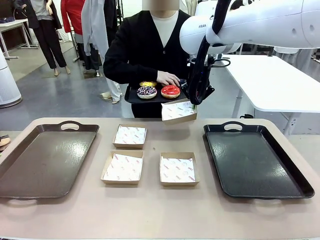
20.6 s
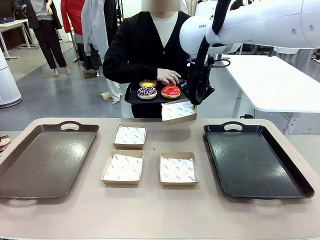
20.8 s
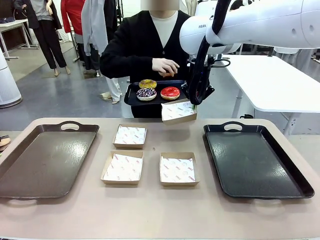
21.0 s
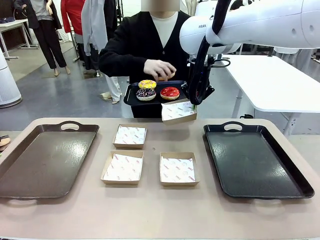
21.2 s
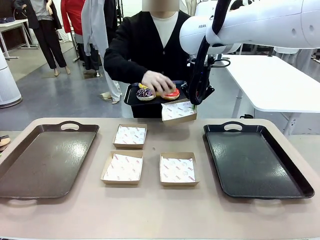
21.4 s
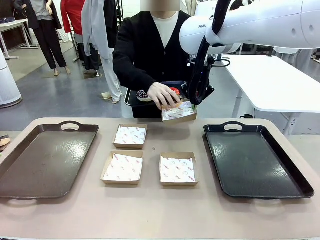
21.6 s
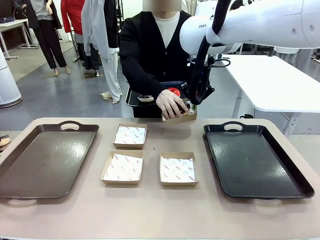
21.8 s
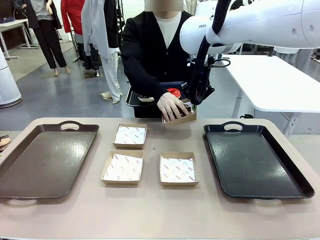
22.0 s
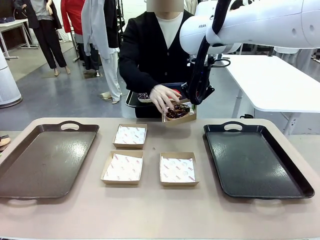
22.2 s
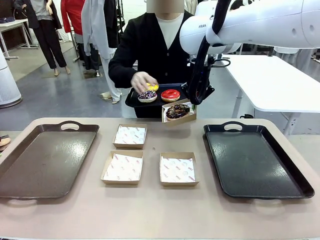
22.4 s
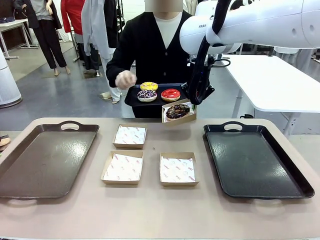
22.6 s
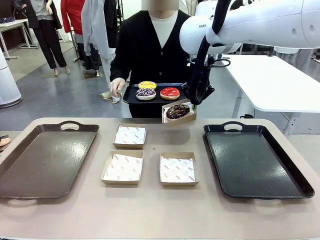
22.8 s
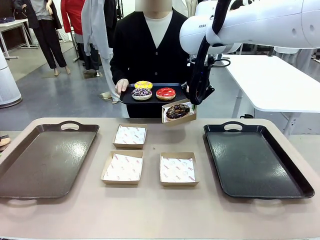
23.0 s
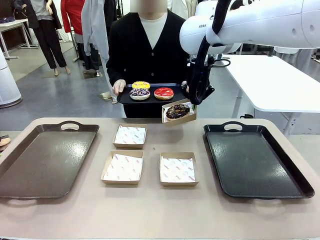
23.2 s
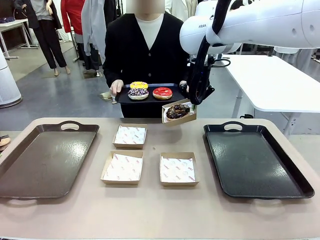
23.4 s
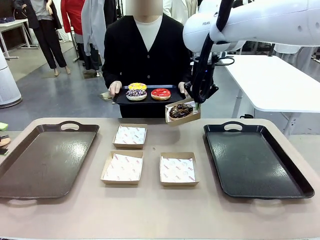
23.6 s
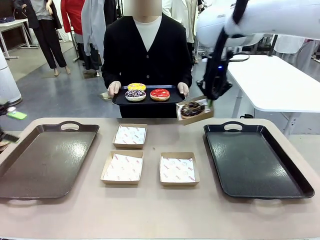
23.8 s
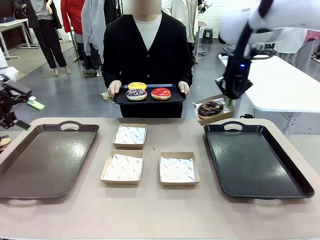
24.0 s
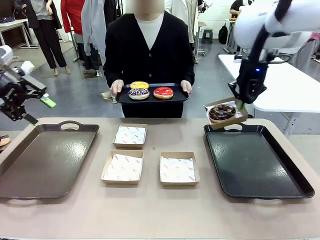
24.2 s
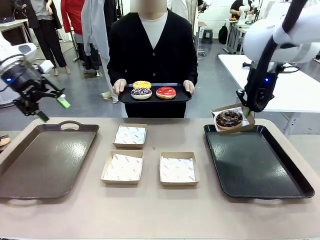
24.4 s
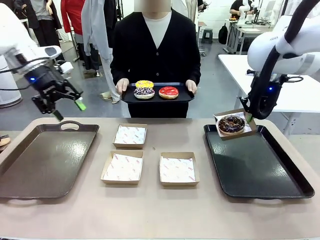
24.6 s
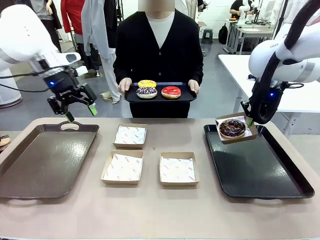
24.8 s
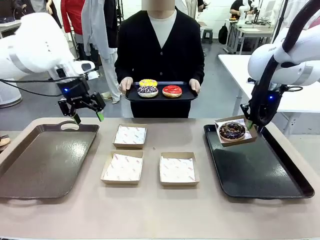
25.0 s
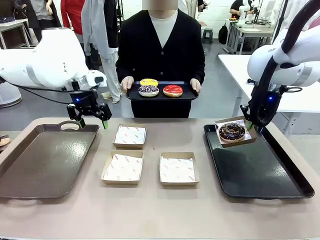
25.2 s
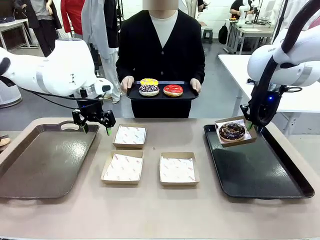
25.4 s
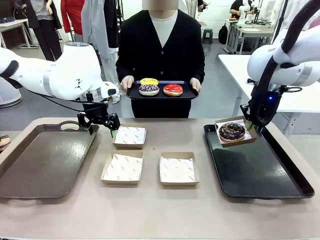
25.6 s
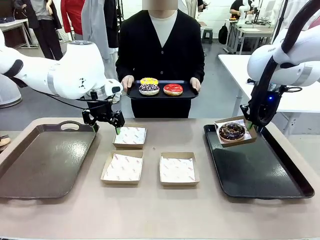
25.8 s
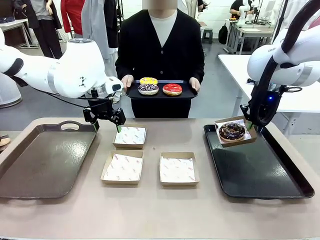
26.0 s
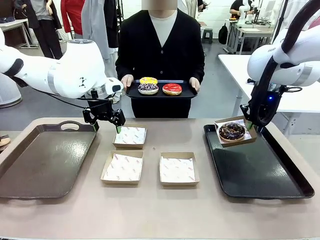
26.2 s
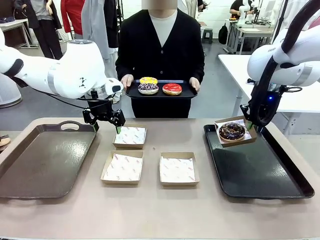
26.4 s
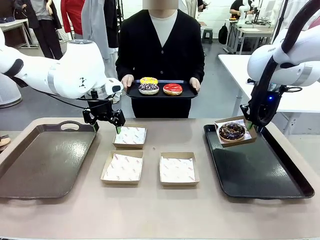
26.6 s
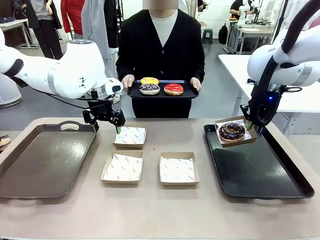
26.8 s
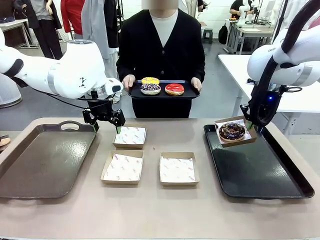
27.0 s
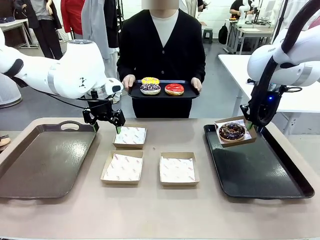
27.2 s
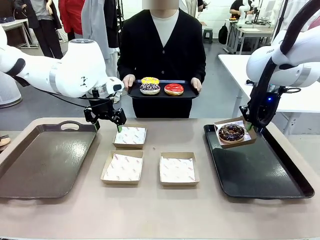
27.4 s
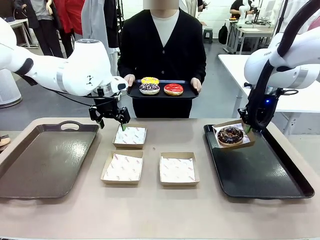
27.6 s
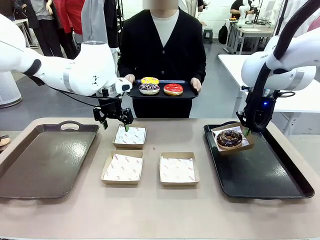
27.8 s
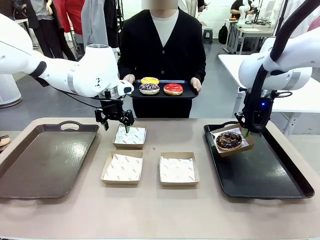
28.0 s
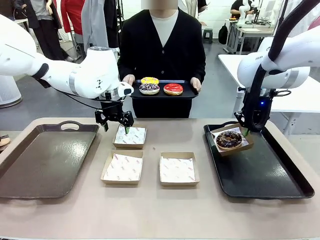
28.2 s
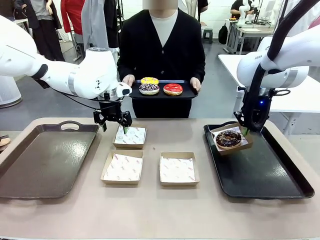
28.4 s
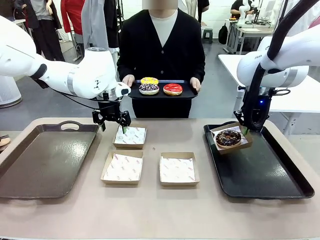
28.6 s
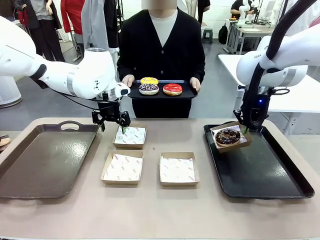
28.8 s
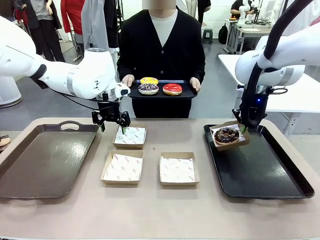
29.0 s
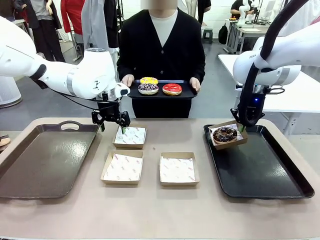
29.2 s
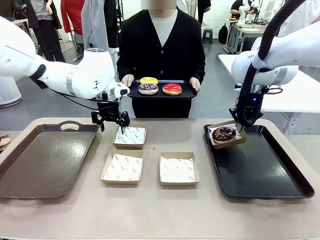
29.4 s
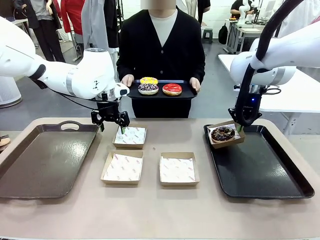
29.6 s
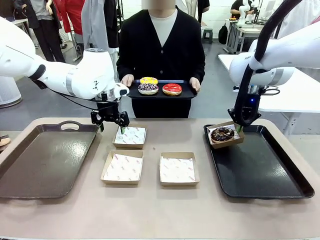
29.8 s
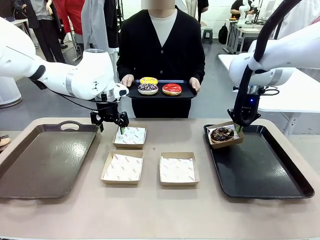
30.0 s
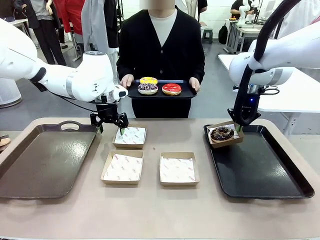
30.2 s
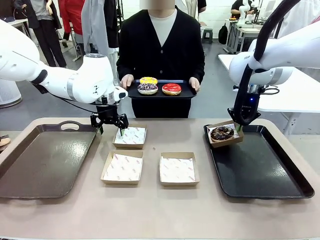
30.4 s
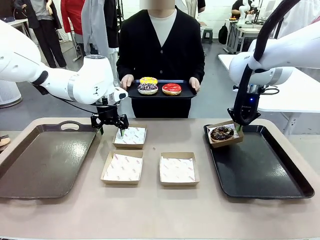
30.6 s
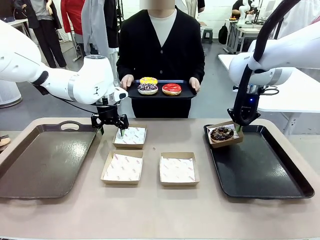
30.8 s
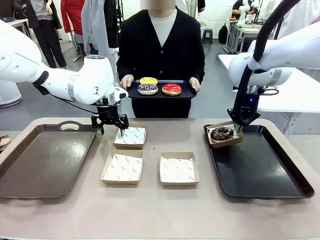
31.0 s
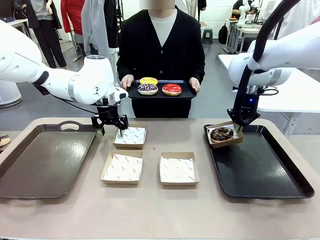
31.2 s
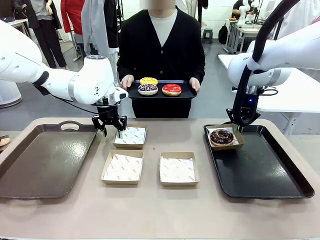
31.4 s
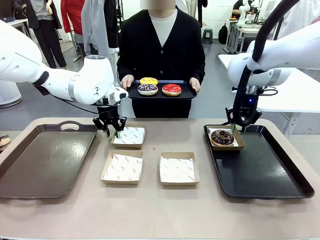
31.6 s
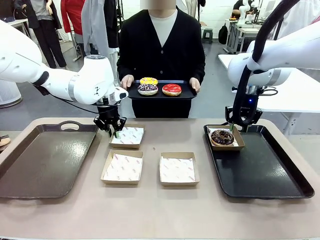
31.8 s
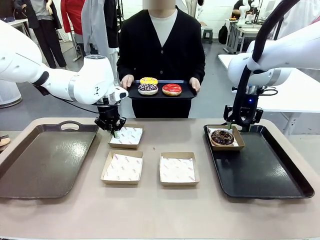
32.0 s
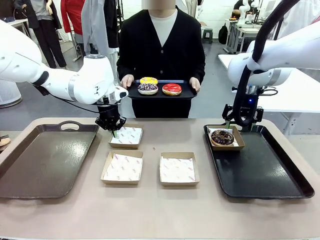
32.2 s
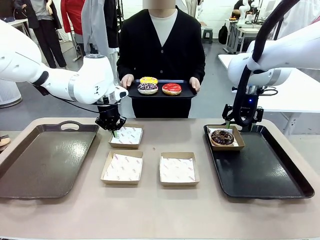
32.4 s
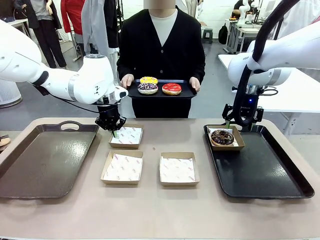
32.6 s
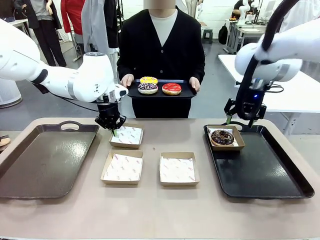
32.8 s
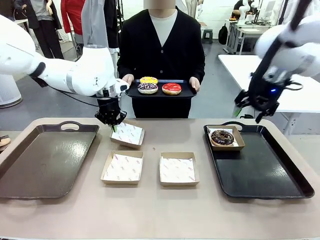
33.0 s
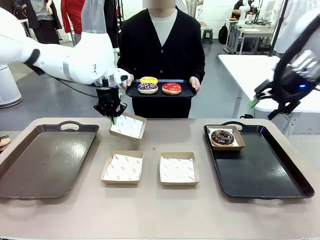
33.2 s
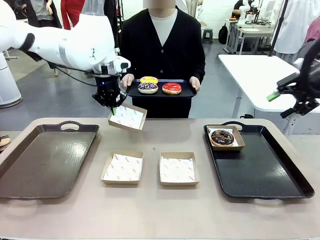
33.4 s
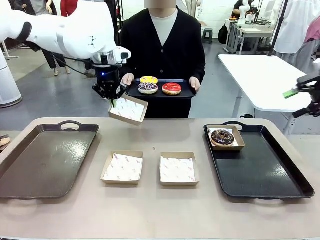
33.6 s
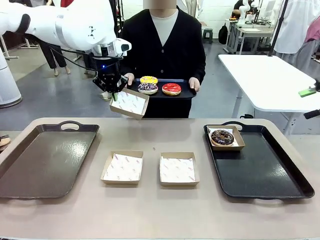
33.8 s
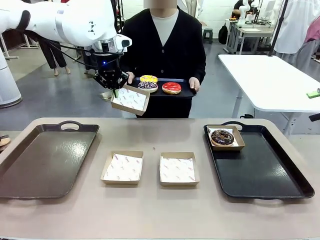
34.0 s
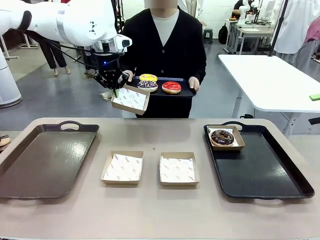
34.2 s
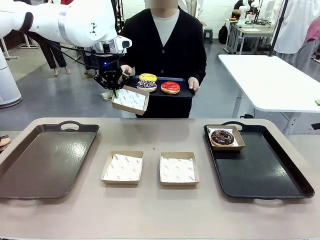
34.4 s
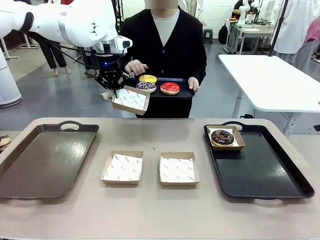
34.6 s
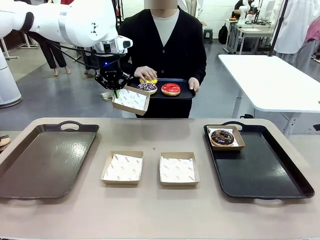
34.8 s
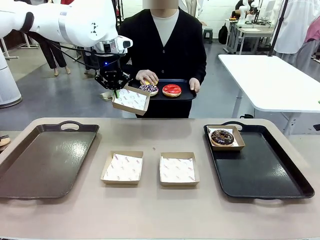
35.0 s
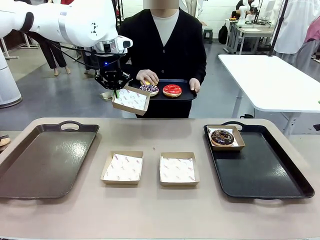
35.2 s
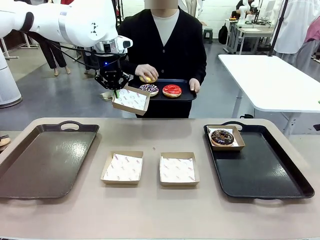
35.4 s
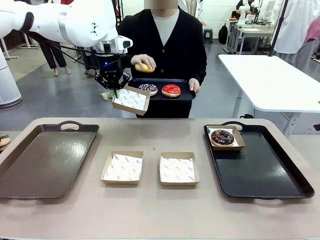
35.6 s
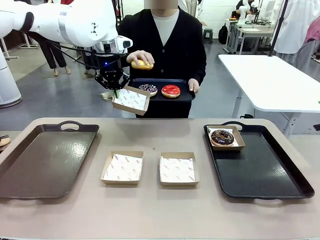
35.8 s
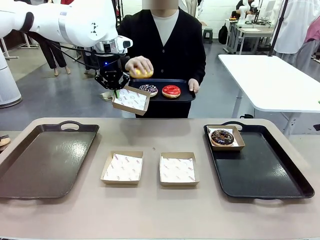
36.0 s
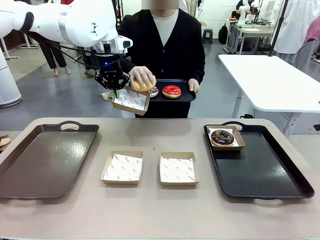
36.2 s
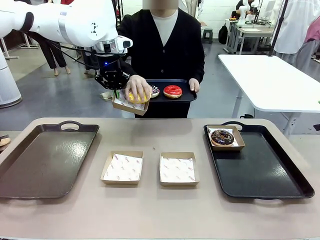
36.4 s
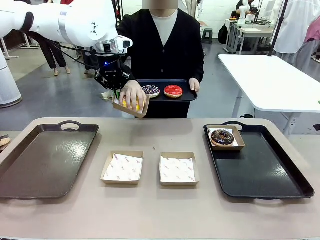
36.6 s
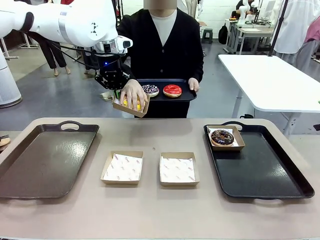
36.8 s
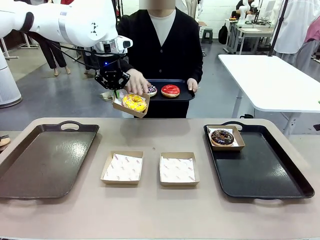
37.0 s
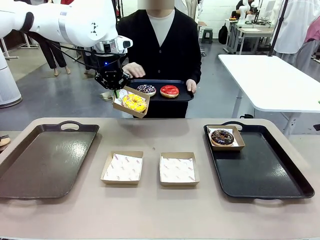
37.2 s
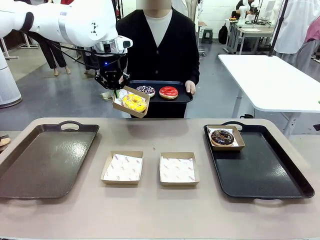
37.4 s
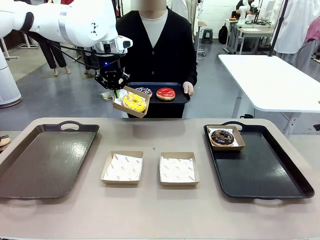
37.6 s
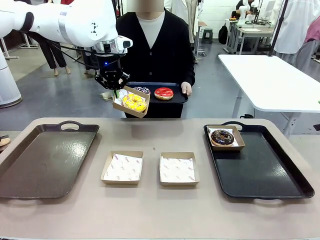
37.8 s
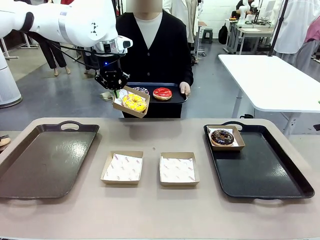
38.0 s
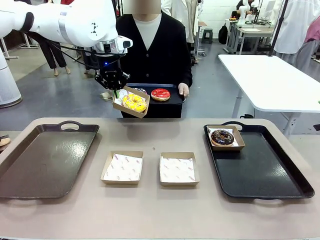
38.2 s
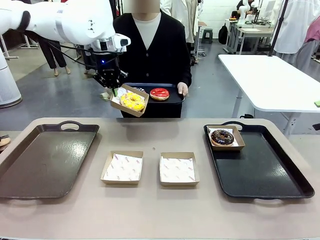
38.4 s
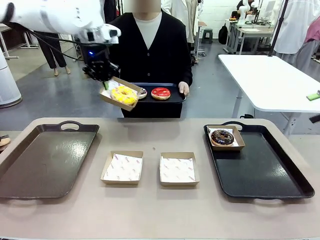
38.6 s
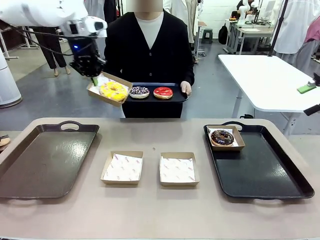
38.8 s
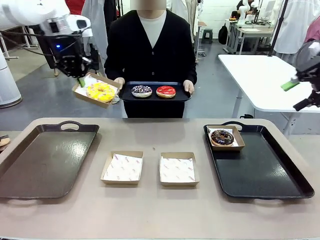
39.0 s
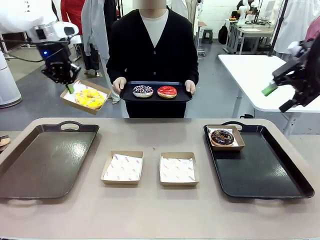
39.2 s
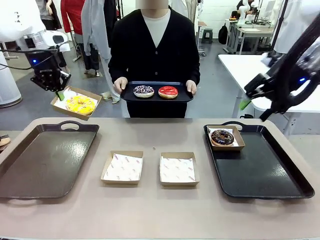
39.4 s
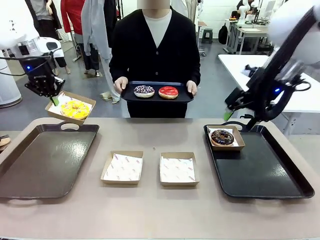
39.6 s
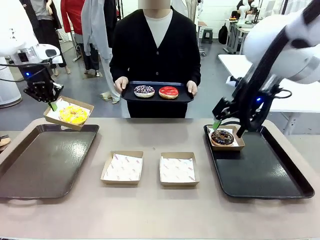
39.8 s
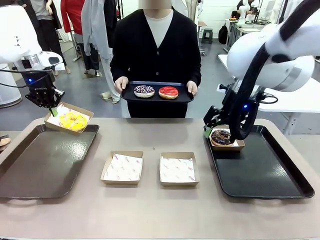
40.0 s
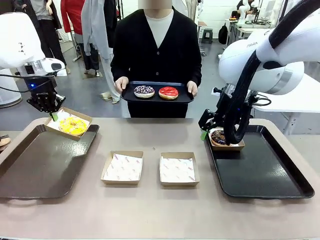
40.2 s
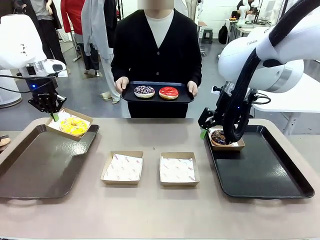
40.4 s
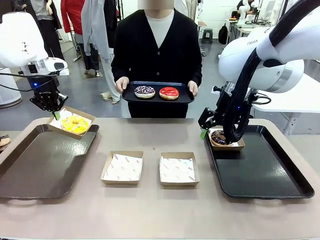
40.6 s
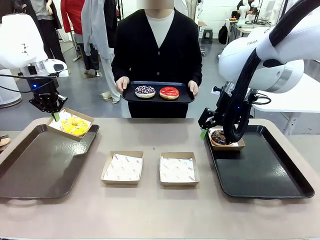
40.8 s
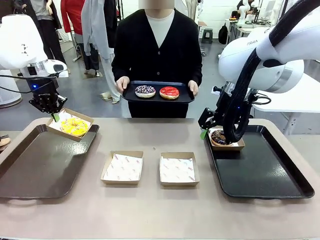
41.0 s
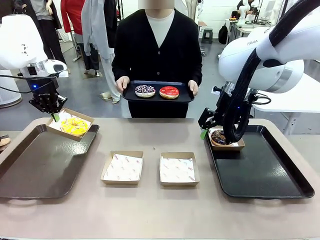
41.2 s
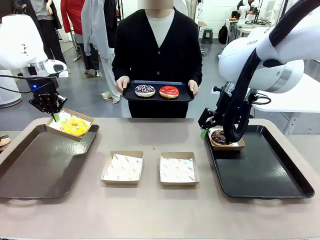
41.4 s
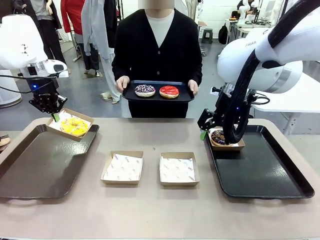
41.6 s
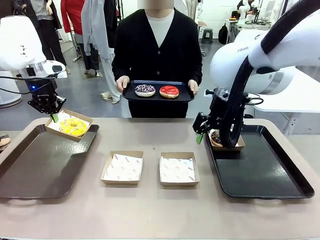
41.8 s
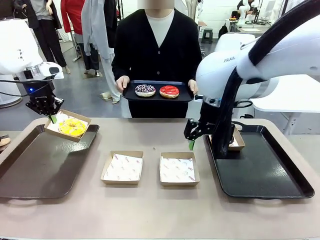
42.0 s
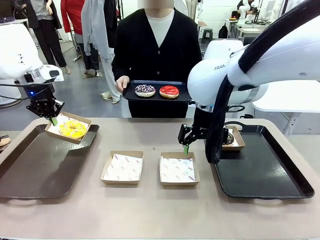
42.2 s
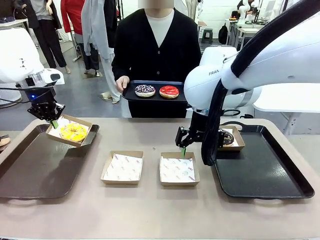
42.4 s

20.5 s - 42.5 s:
Task: Individually package the donuts and arrange them on the tray.
Robot: Place the picked Paper togo box on the Handle tray while simultaneously picking up another Paper togo box from the table with the other hand.
